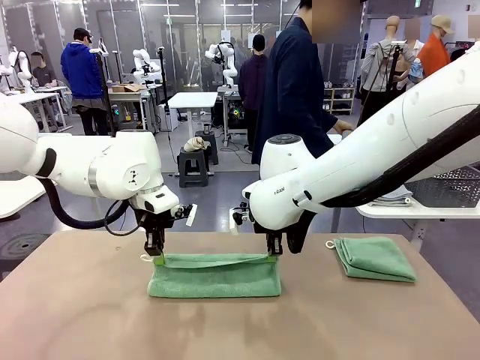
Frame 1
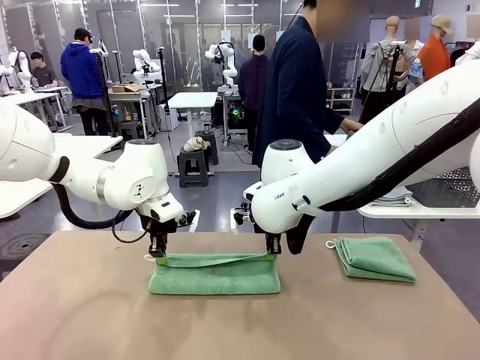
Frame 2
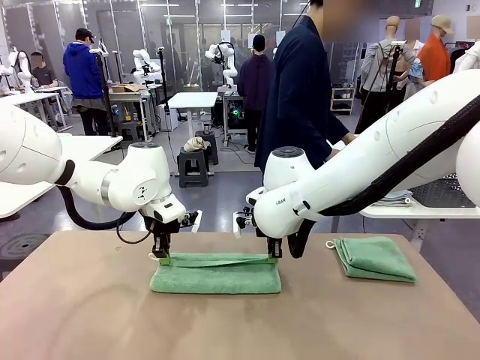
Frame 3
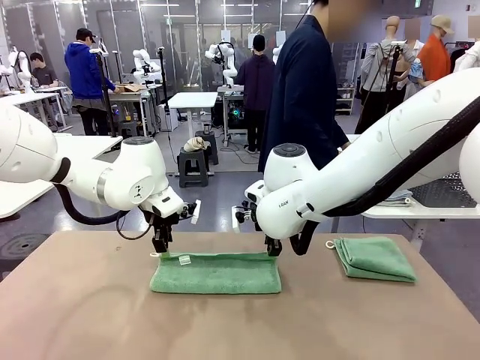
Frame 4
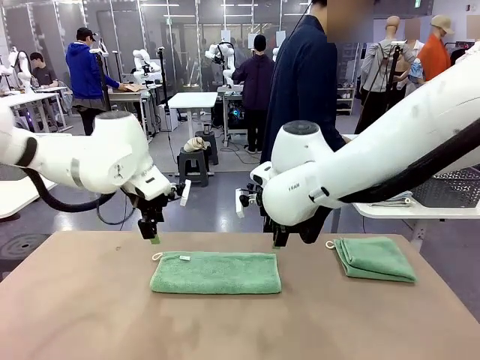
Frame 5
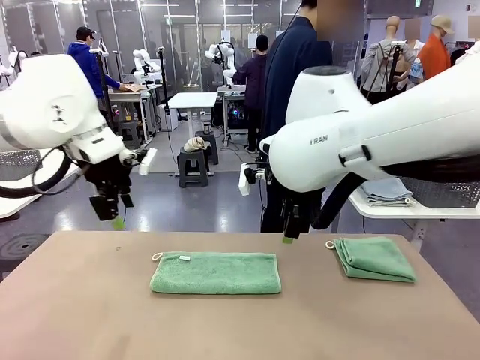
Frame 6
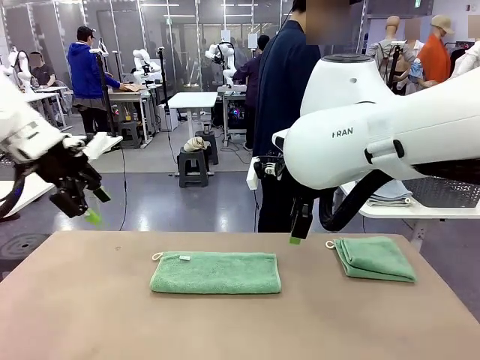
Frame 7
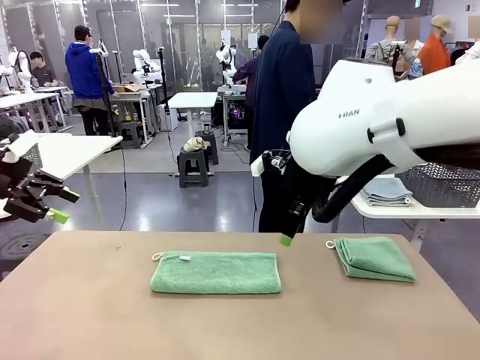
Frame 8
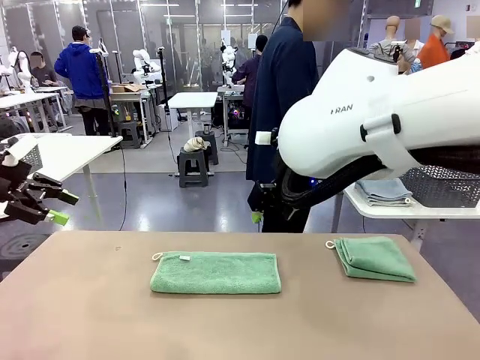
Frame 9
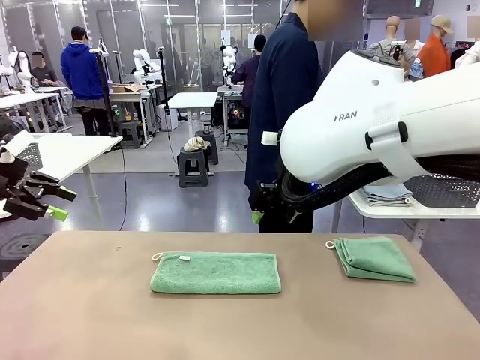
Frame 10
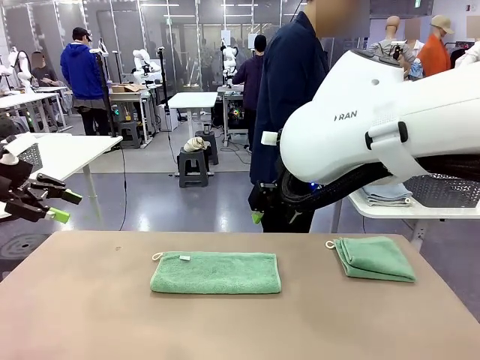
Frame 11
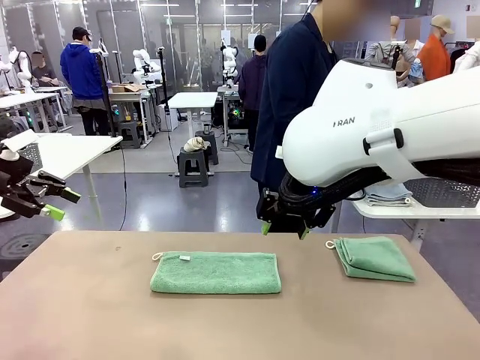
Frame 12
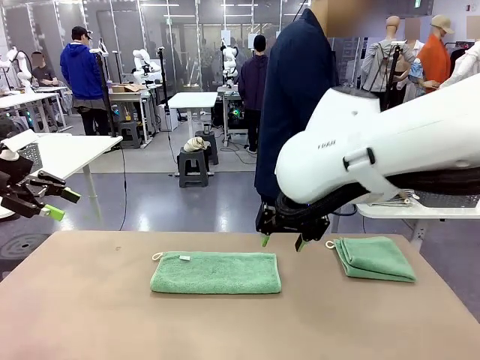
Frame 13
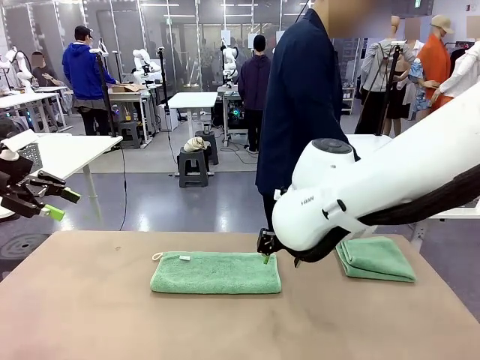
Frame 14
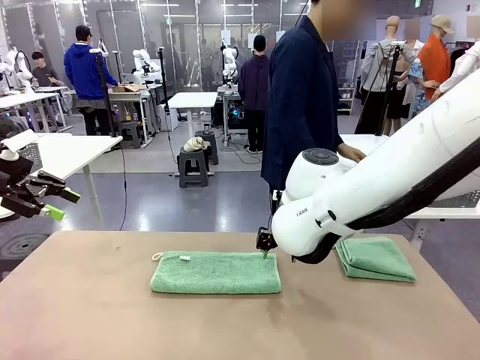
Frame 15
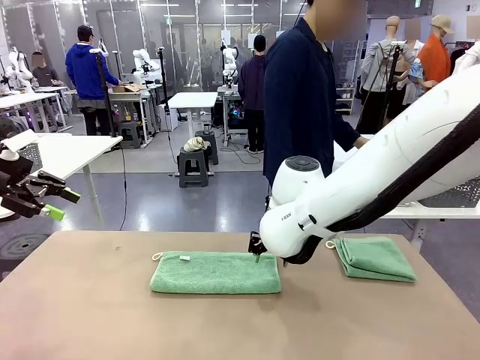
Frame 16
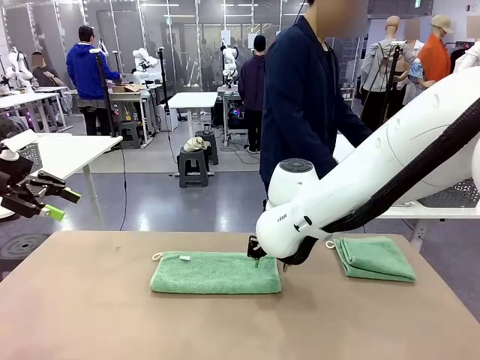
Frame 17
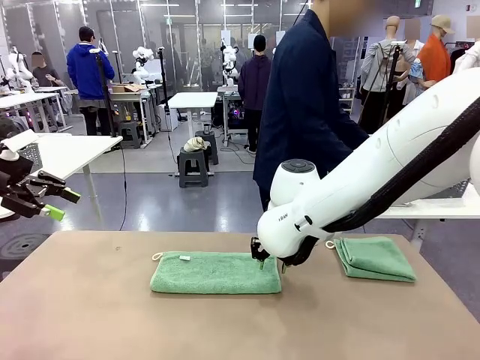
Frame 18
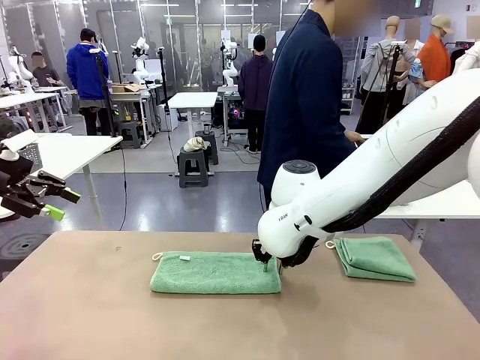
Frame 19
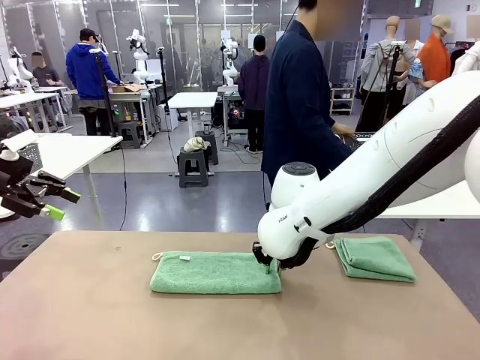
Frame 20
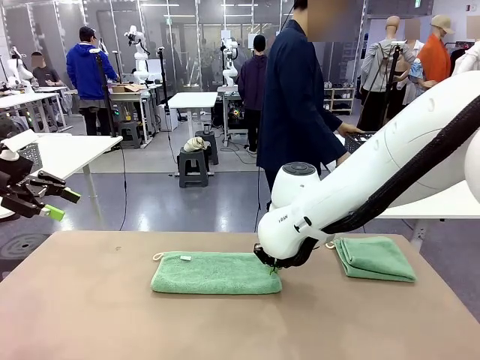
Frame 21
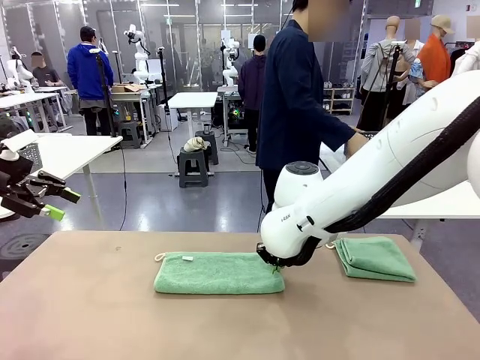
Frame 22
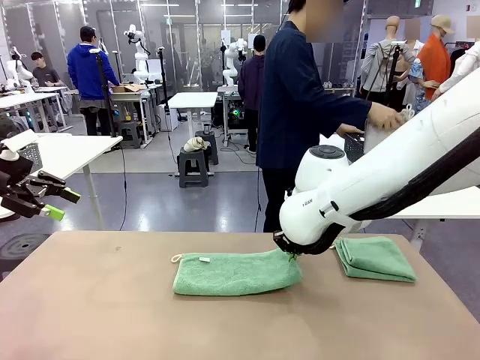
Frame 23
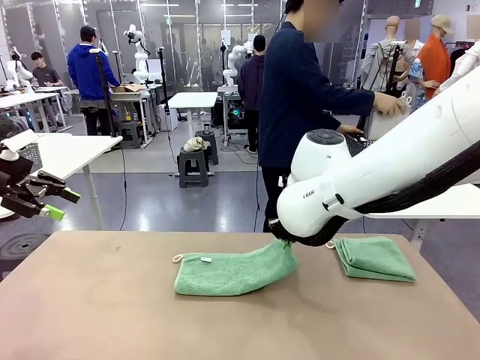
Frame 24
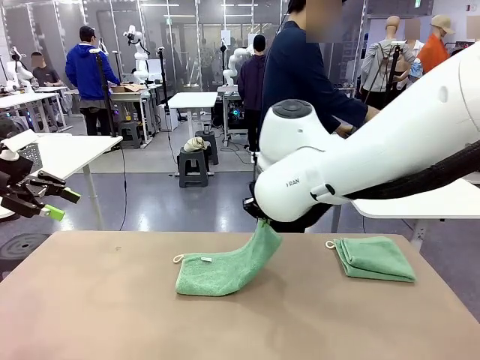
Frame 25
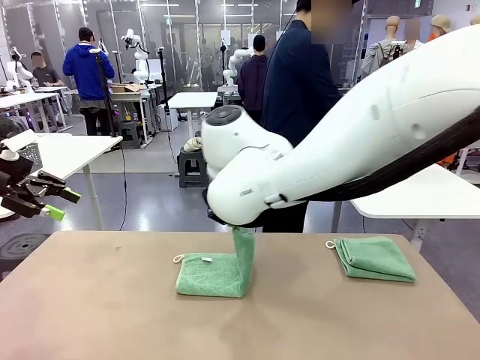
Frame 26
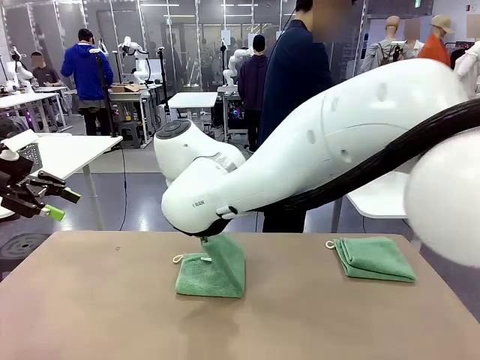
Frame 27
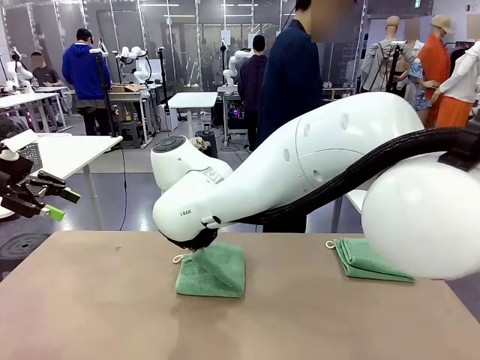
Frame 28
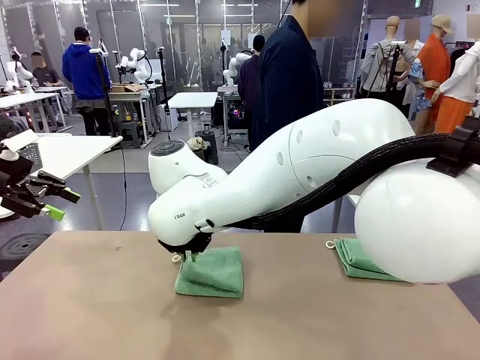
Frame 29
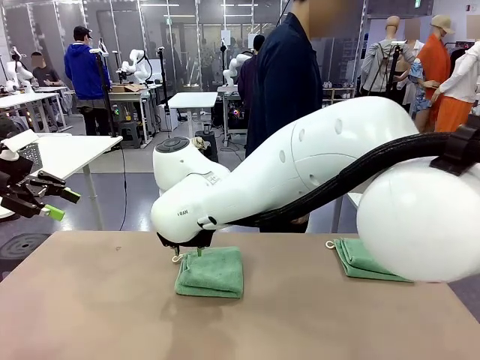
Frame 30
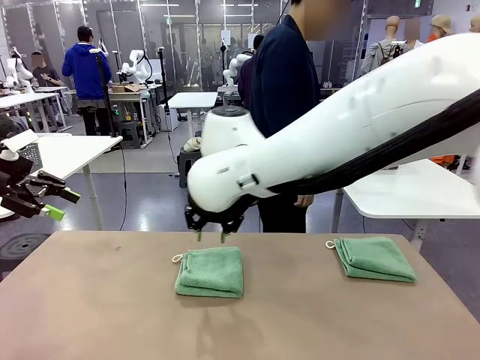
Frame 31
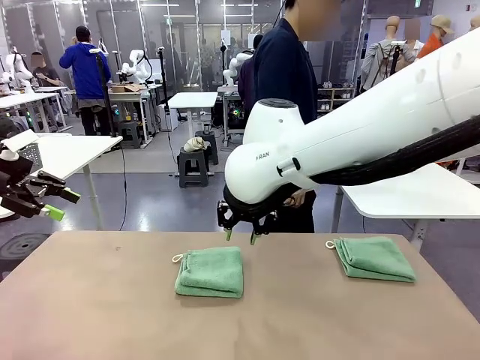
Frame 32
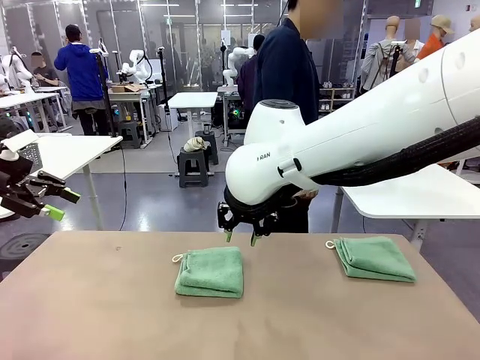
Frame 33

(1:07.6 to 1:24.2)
Task: Fold the towels and place them in the basket.
Robot: When a person lays out a Towel with hook on the table, fold it in half twice.
Person: Pick up the stack of towels from the right side of the human table, place it into the basket, and put the basket at the center of the table.

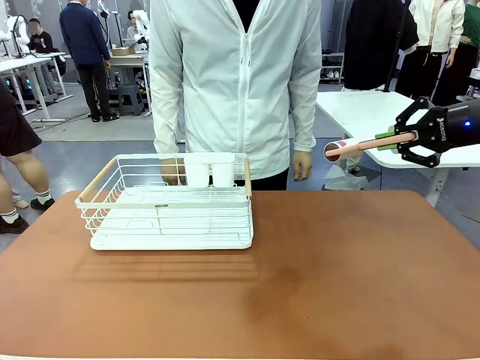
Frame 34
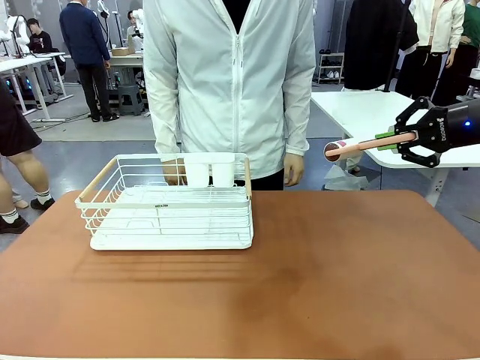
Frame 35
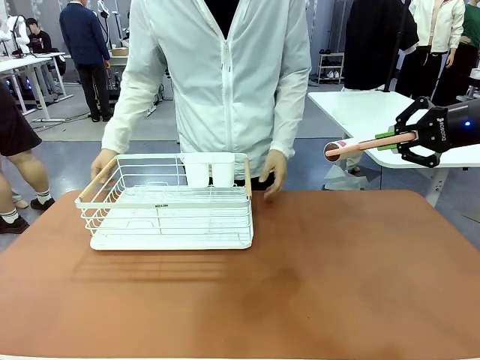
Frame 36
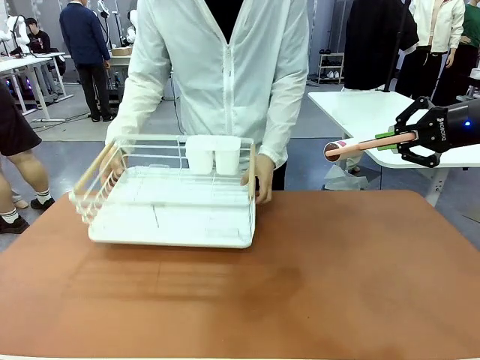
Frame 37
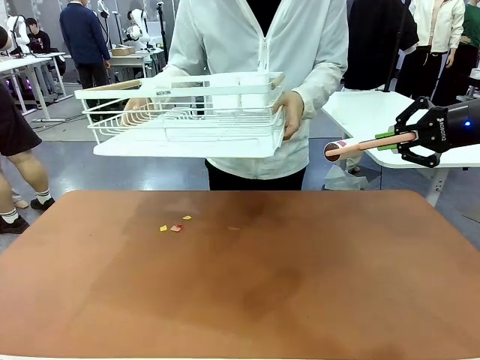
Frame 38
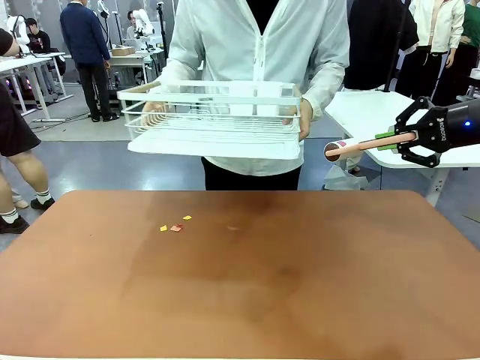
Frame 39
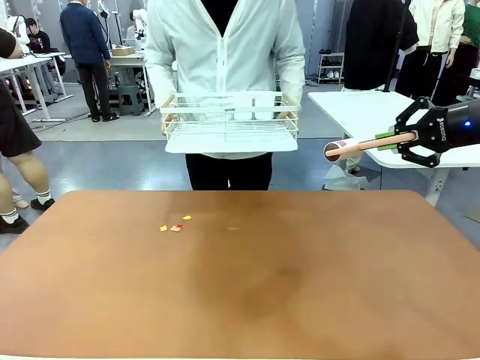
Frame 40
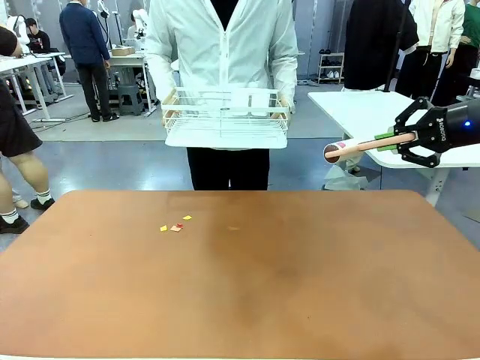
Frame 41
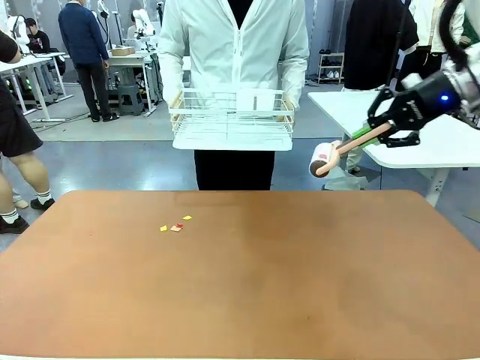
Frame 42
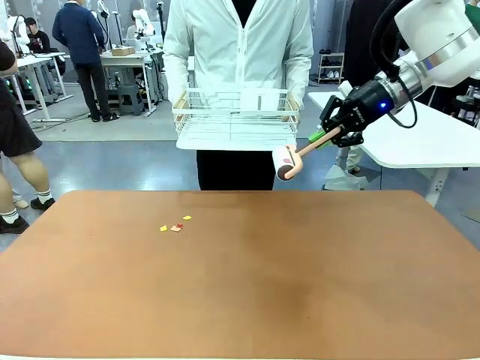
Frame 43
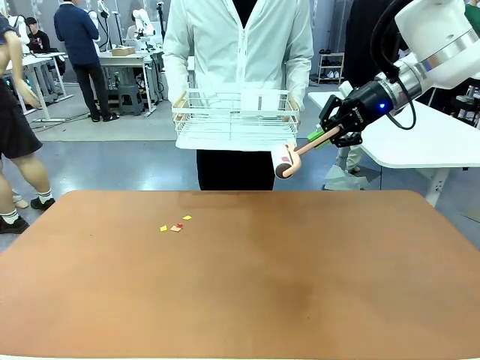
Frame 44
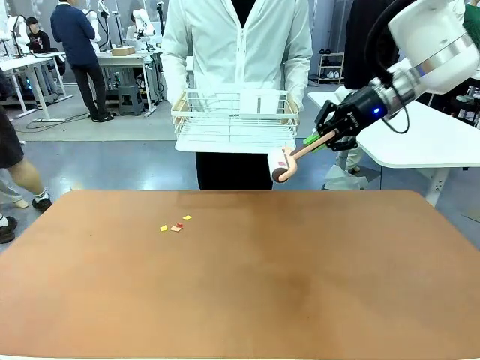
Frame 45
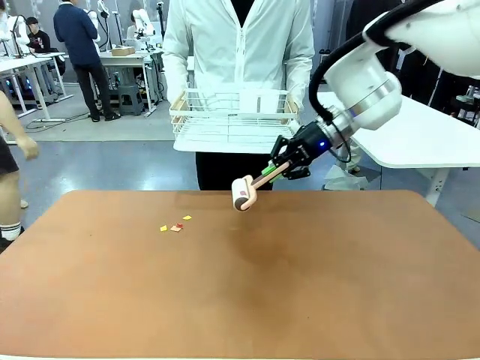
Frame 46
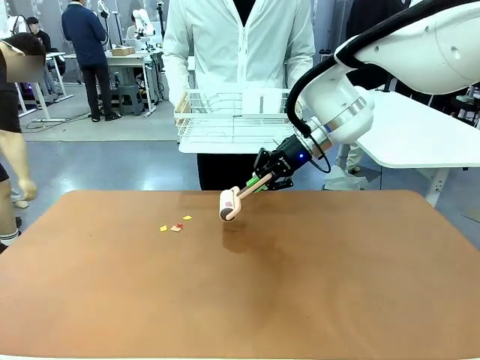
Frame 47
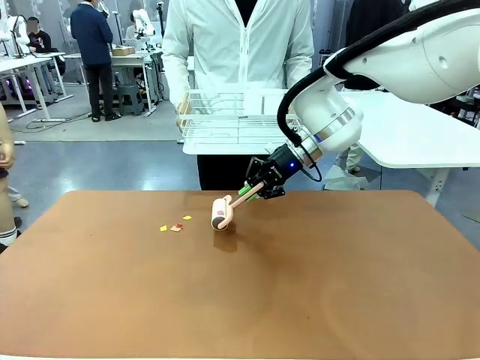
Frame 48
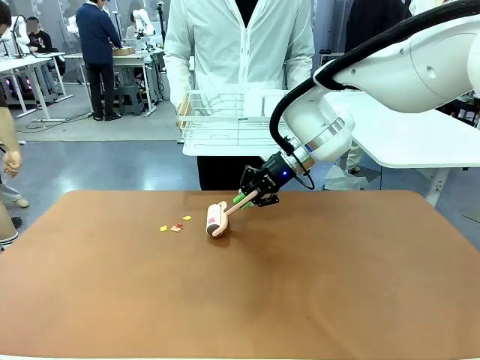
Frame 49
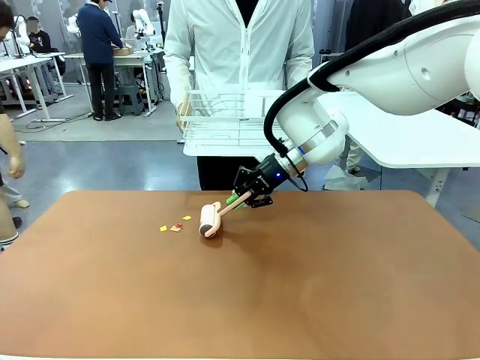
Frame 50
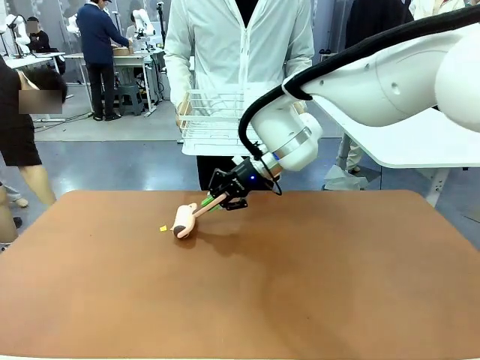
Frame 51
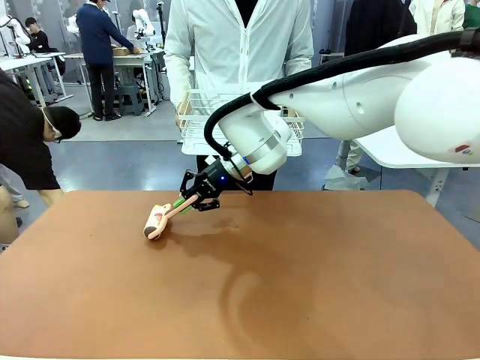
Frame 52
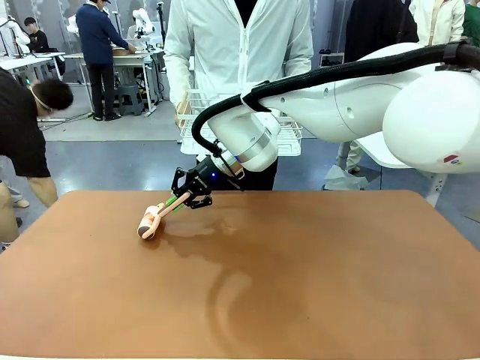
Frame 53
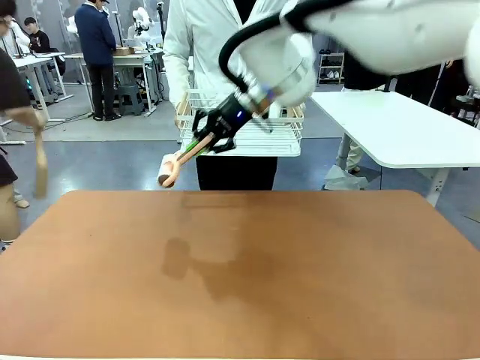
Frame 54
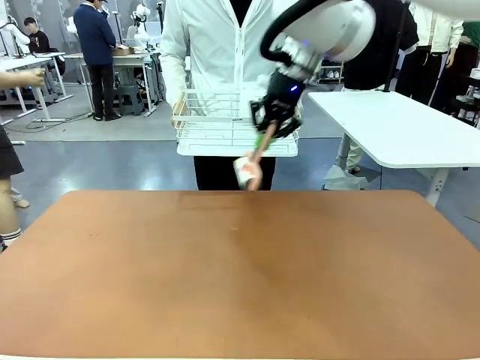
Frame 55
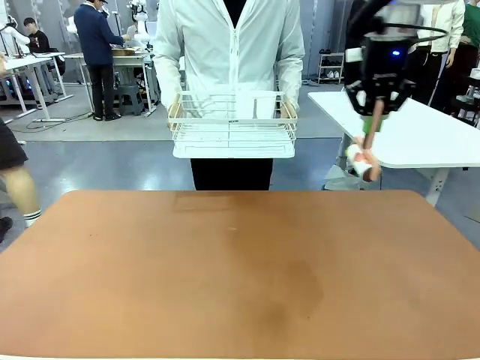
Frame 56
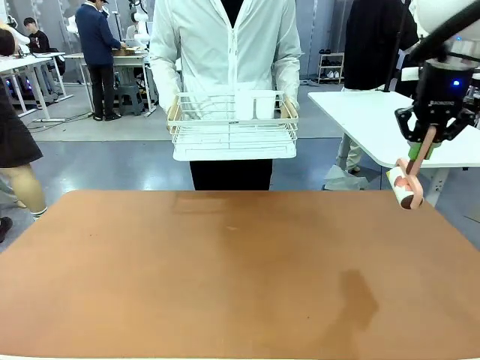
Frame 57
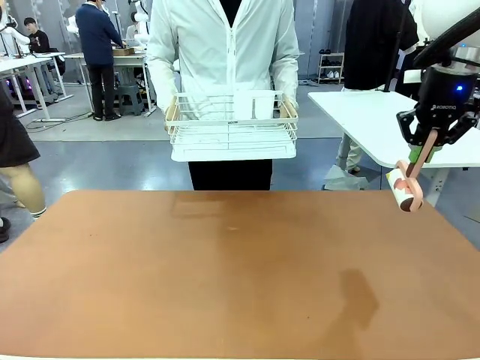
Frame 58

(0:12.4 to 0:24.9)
Task: Clean the table.
Robot: Clean the table with the Lint Roller when the human lifts the Dish drying rack.
Person: Place the Dish drying rack down when the robot finishes cleaning.
